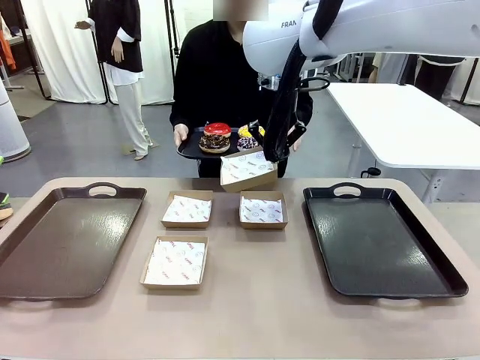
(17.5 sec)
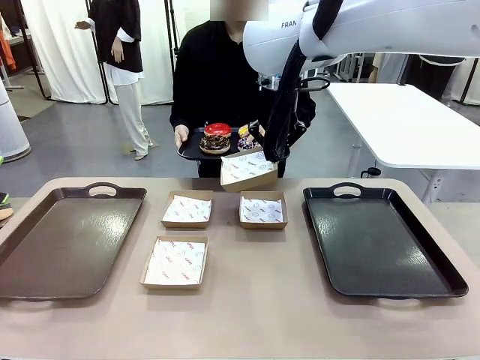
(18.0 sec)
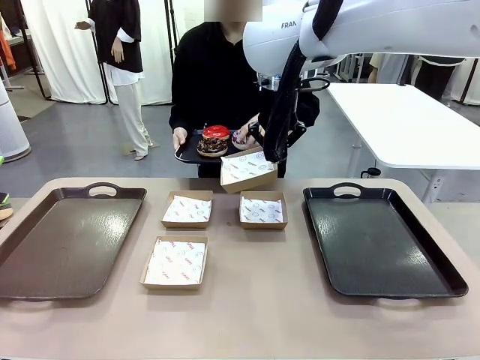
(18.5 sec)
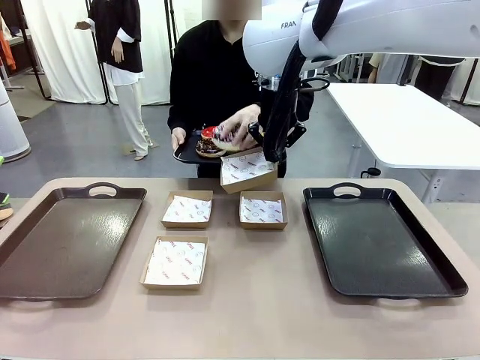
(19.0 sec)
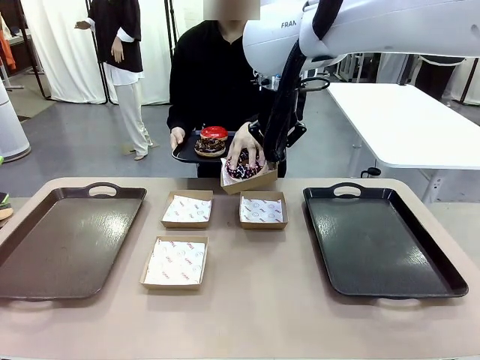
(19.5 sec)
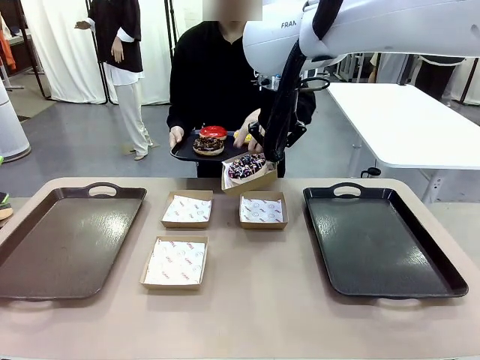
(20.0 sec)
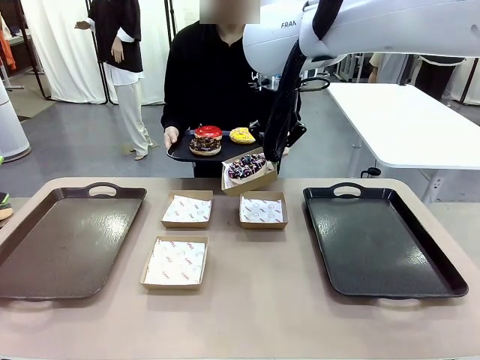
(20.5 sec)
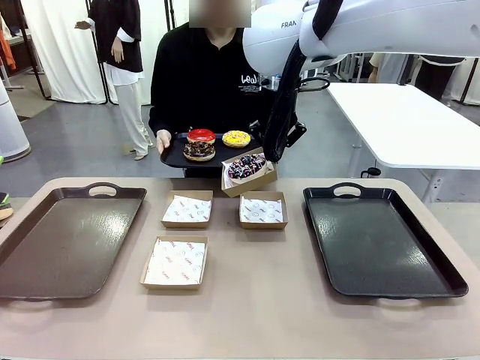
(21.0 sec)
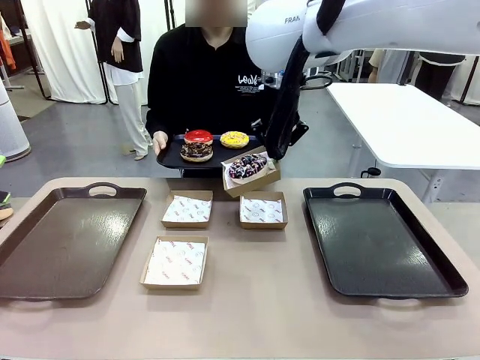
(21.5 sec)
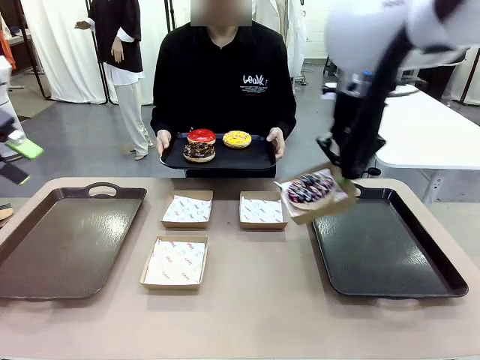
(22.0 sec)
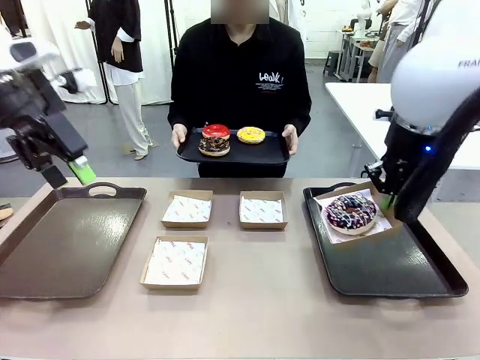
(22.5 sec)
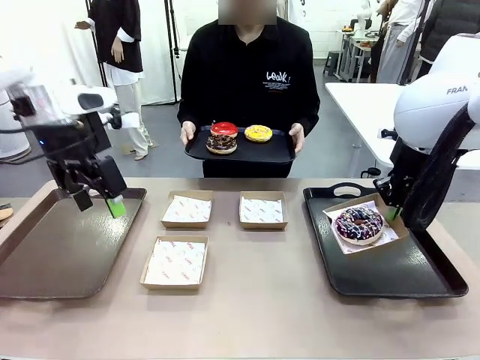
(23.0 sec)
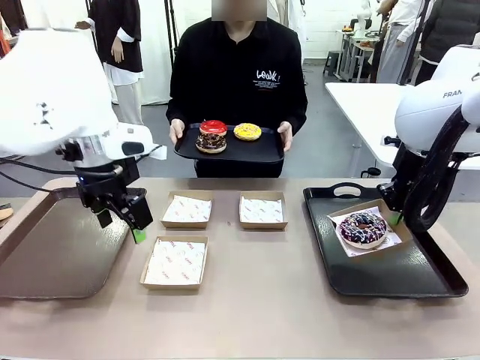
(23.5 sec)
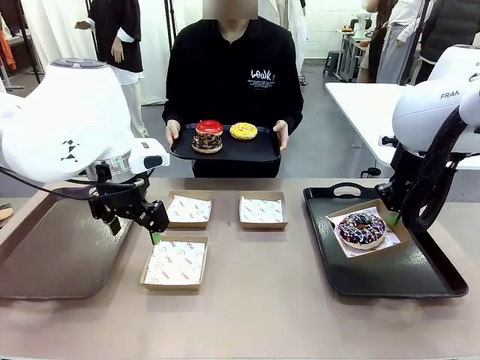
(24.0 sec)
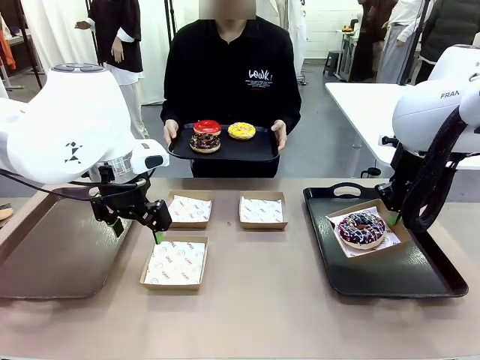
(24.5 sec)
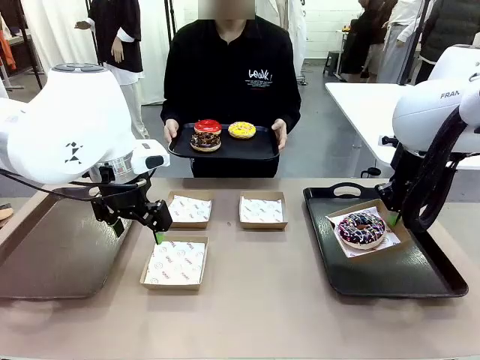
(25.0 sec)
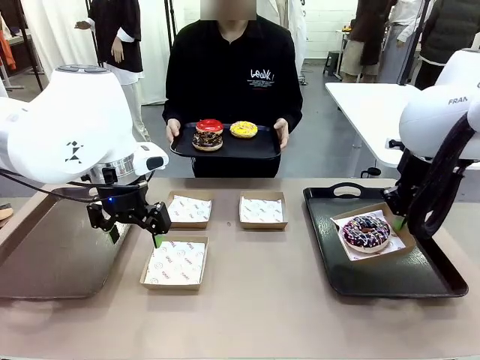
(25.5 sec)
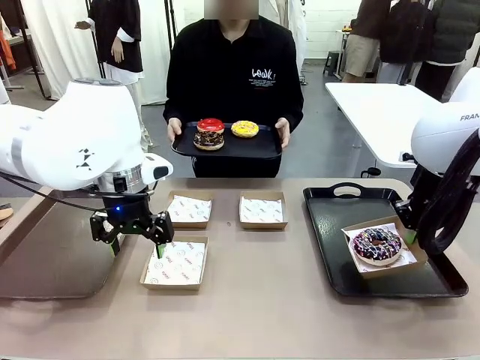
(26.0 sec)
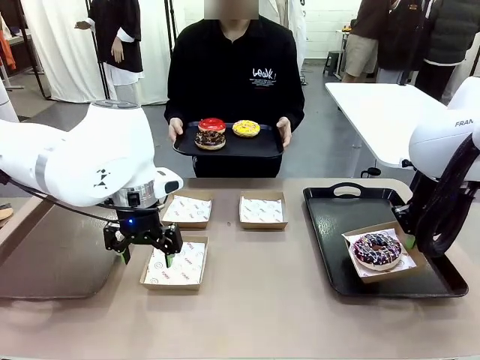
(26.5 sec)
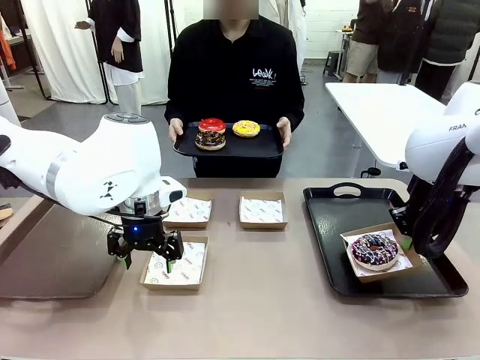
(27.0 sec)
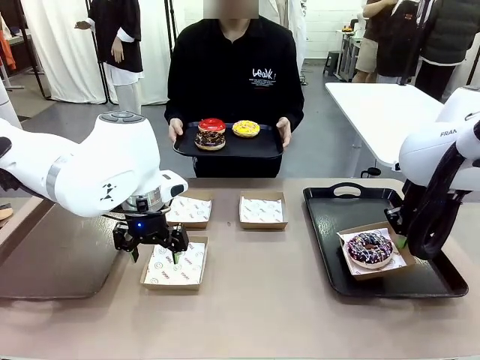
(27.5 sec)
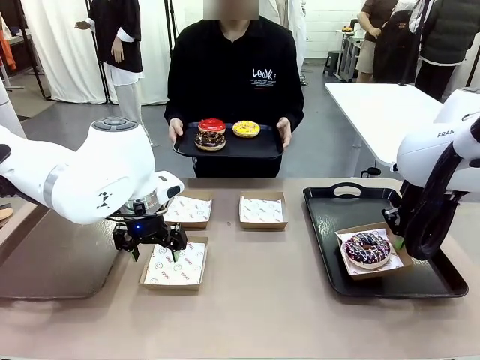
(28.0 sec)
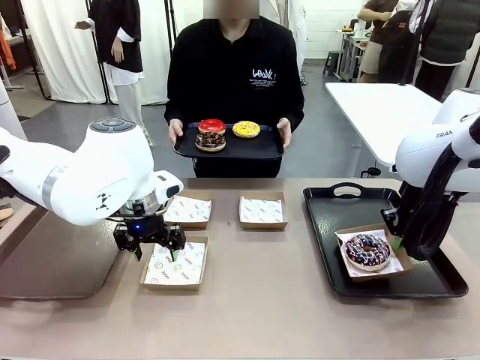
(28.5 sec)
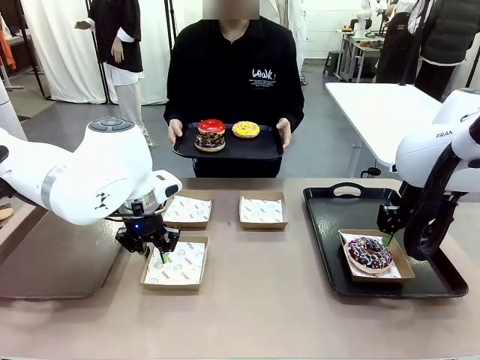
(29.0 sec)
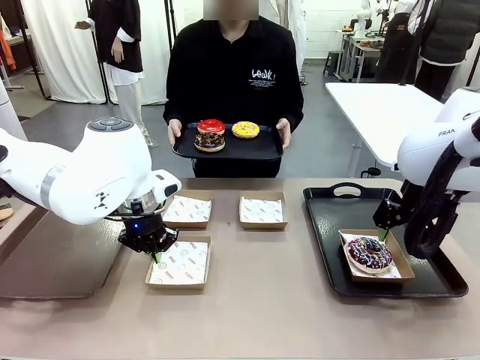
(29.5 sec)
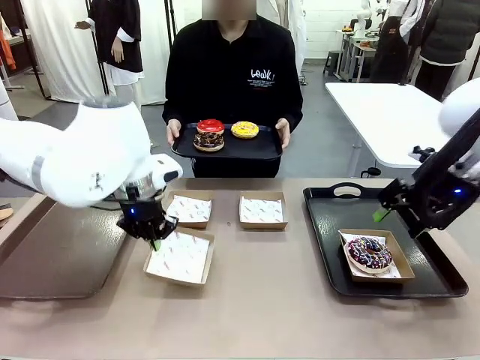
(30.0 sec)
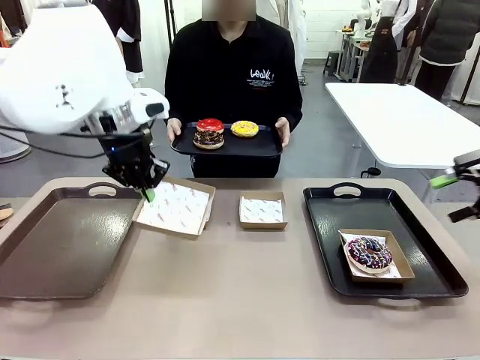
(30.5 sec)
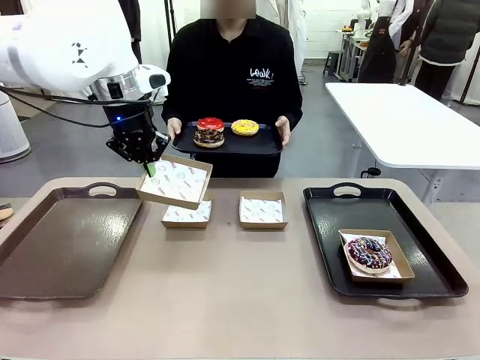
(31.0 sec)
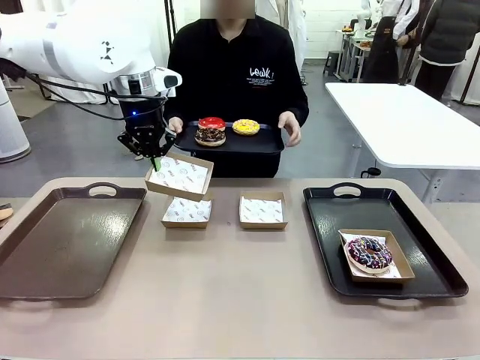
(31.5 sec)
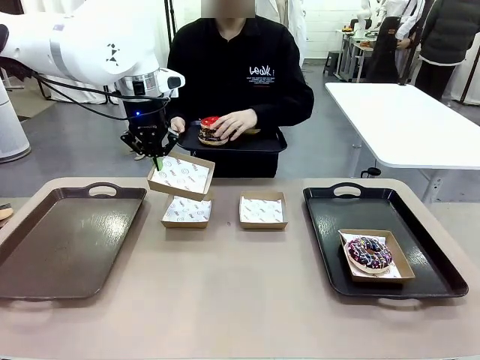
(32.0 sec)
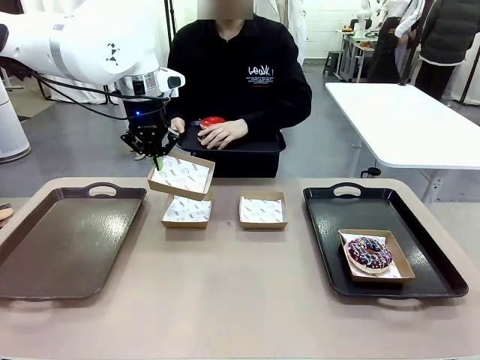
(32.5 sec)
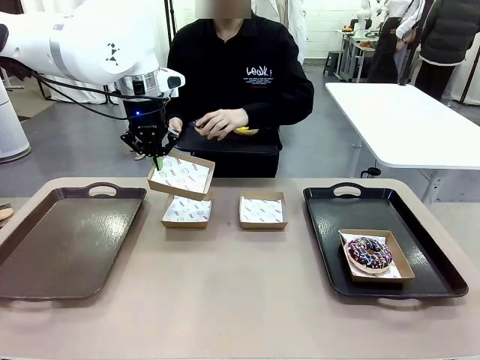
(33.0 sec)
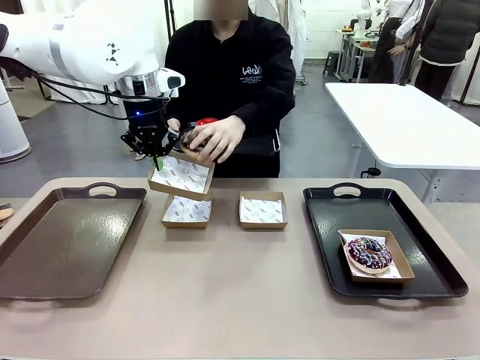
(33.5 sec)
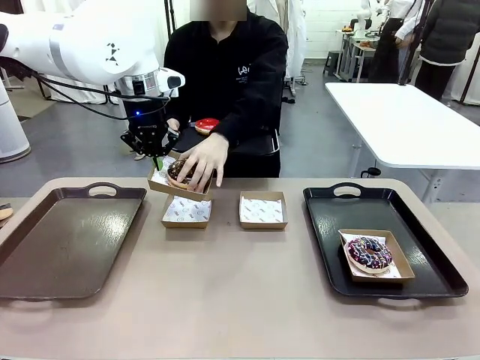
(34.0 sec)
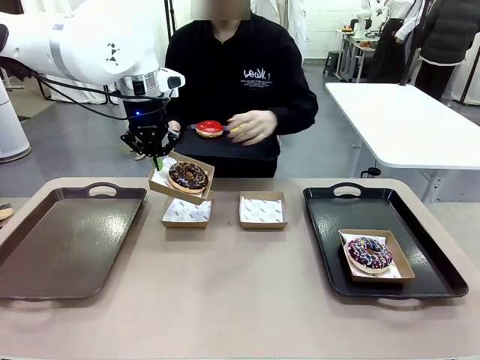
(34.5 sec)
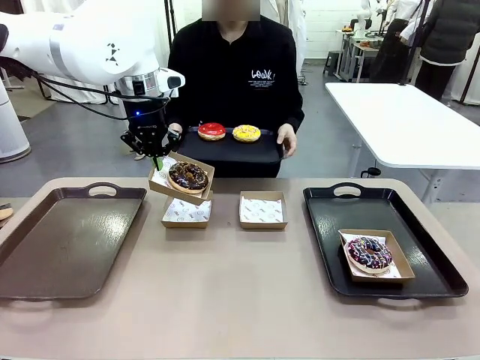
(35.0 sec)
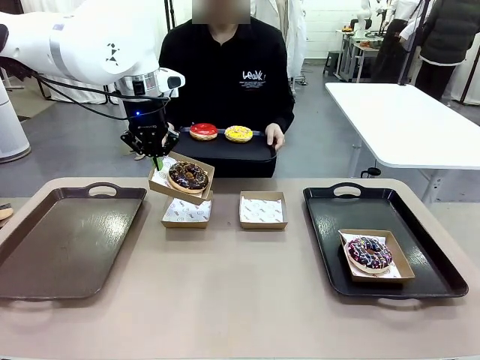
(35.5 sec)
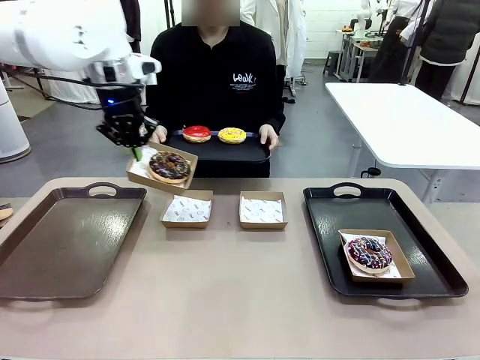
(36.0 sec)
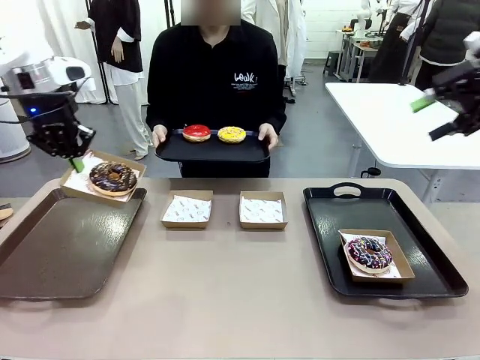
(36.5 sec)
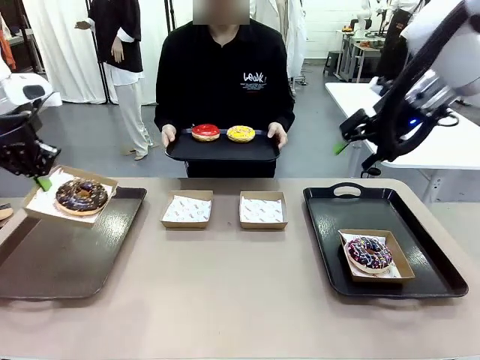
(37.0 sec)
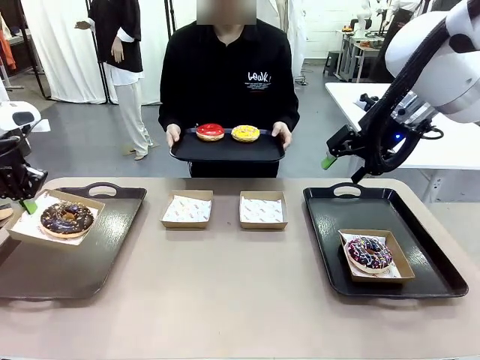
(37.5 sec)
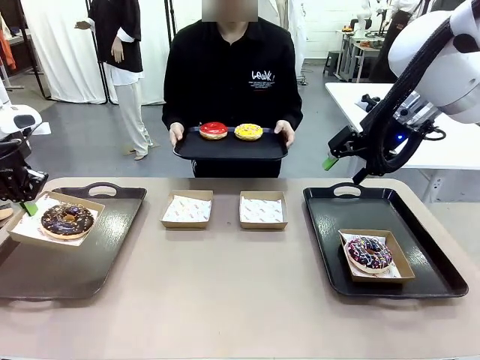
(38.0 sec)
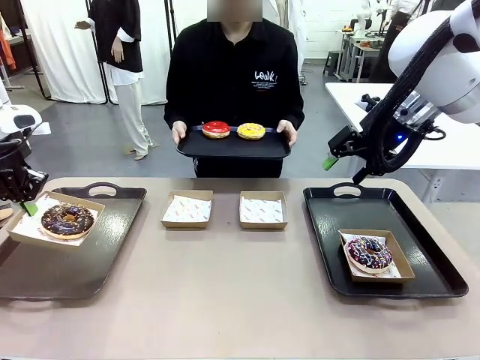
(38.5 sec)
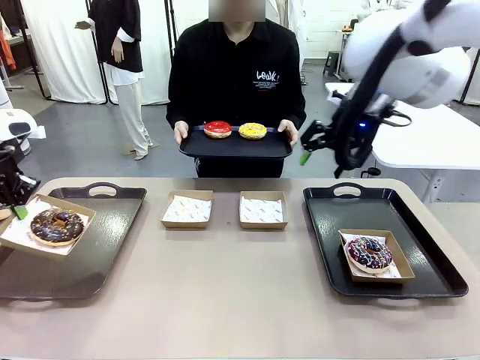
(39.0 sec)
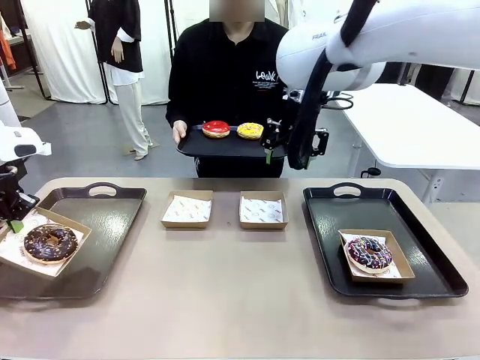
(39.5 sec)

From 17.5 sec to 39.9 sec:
Task: Individually package the donuts and arrange them on the tray.
Robot: Place the picked Paper togo box on the Handle tray while simultaneously picking up another Paper togo box from the table with the other hand.
